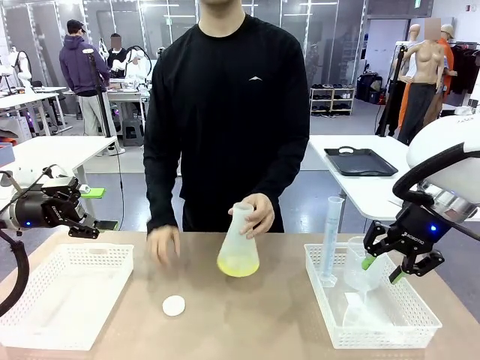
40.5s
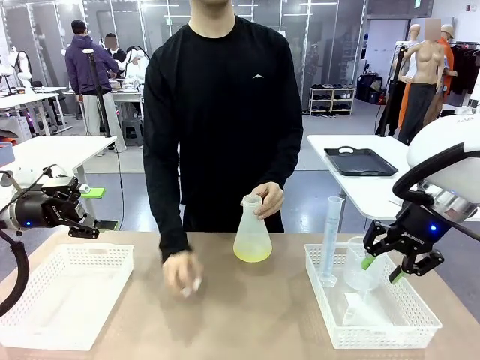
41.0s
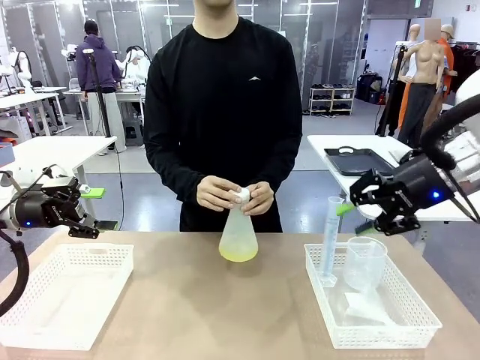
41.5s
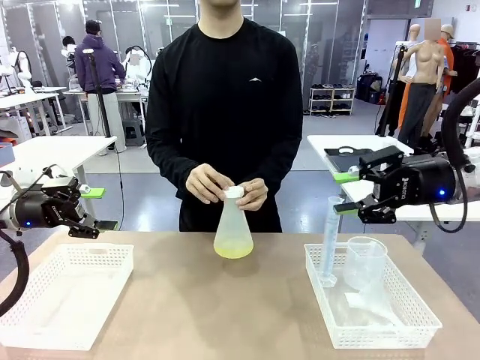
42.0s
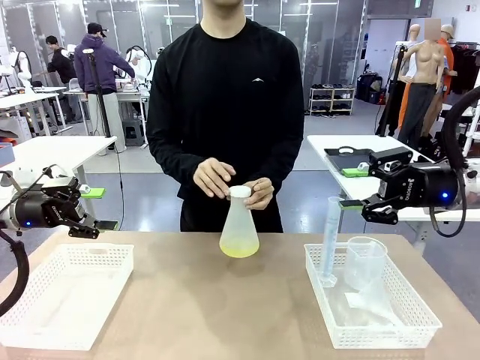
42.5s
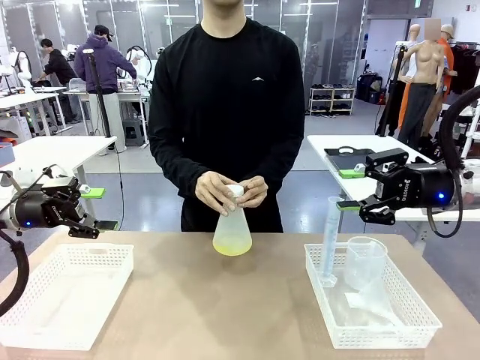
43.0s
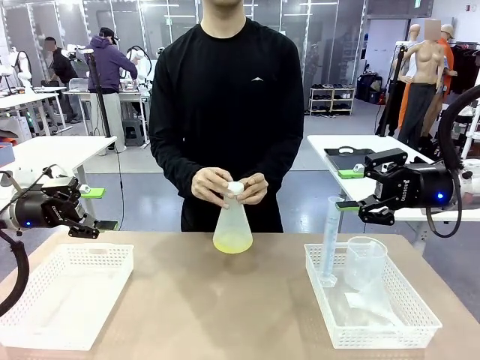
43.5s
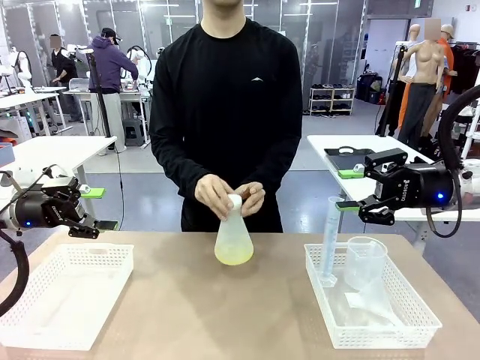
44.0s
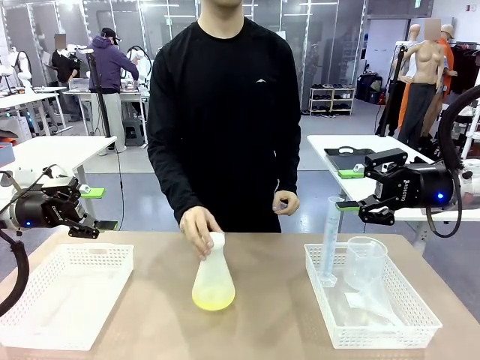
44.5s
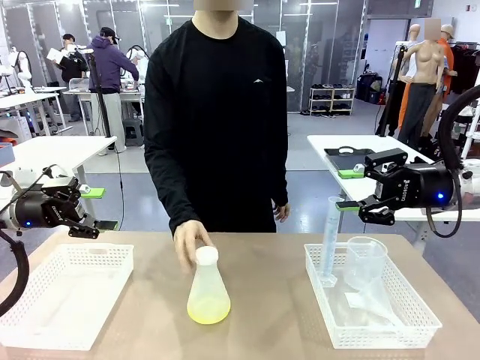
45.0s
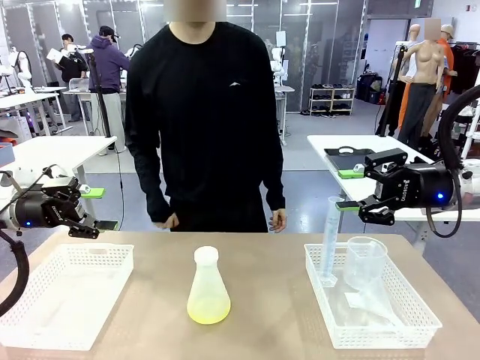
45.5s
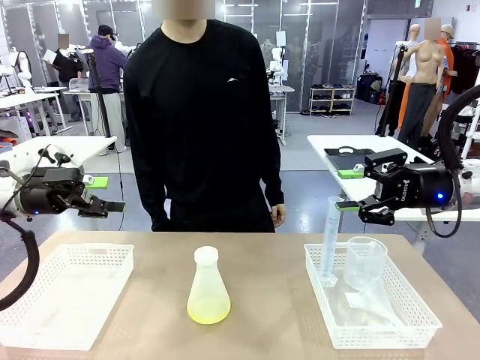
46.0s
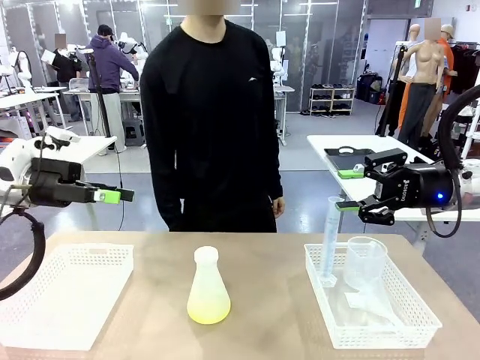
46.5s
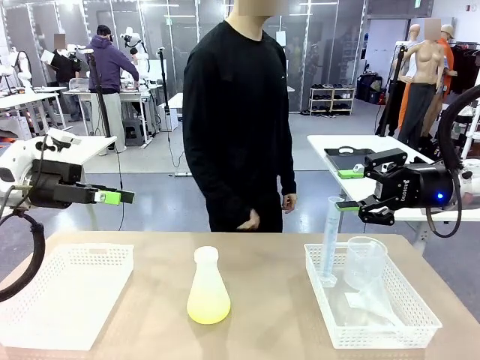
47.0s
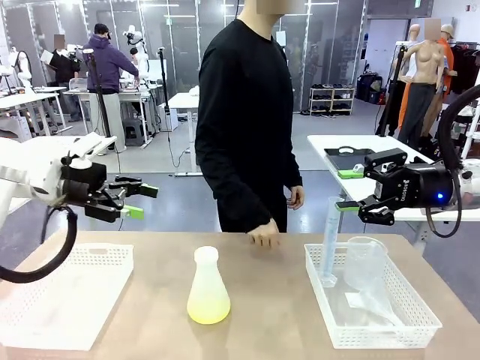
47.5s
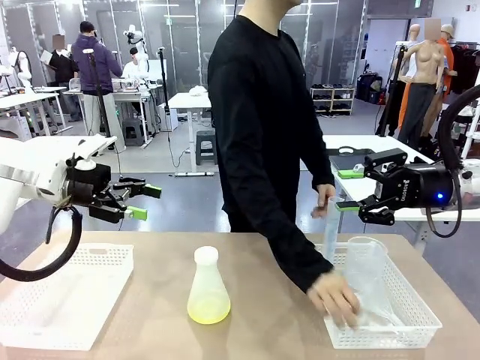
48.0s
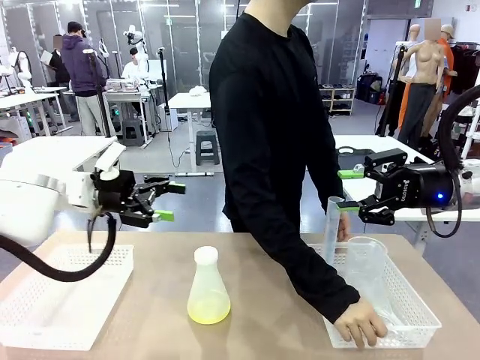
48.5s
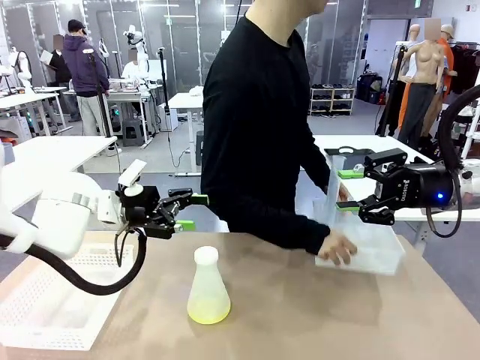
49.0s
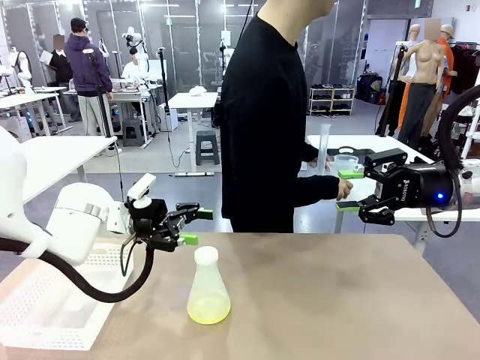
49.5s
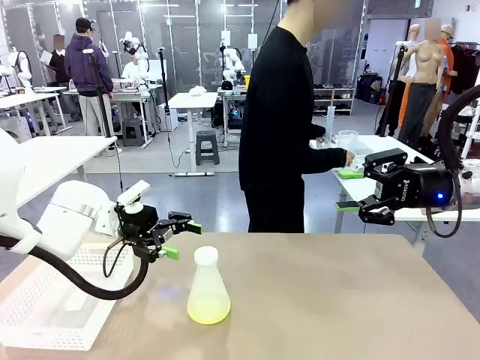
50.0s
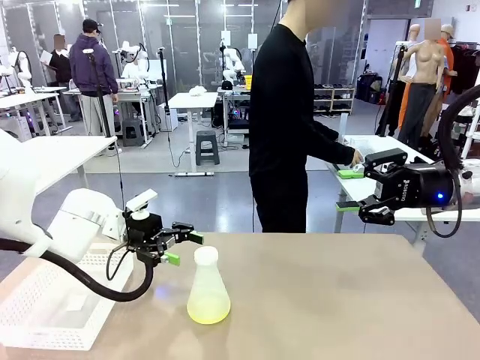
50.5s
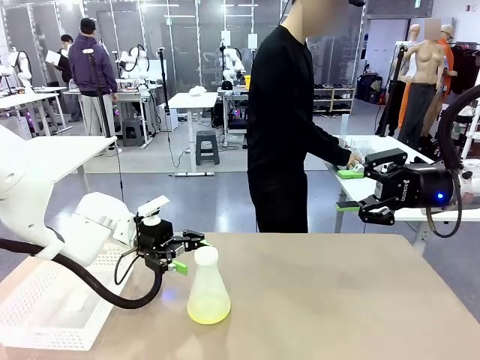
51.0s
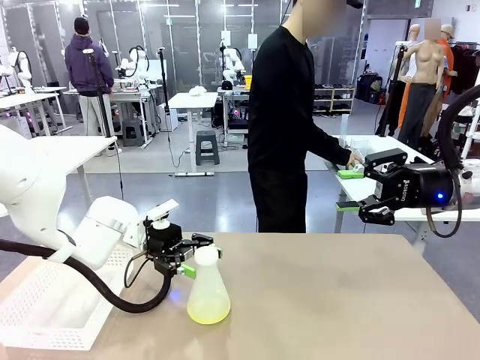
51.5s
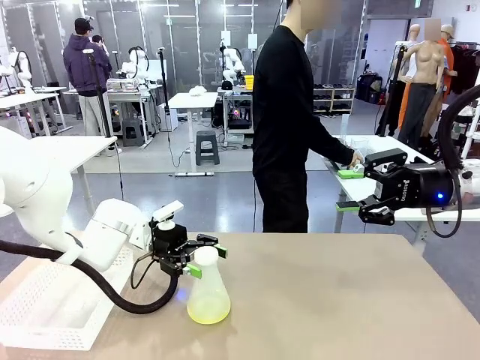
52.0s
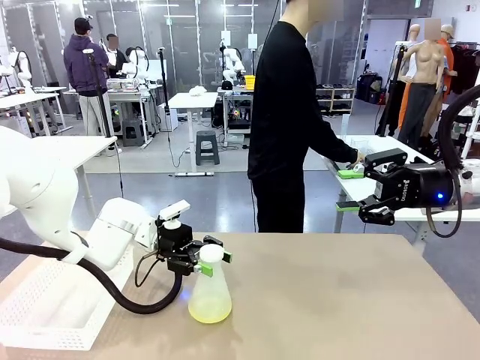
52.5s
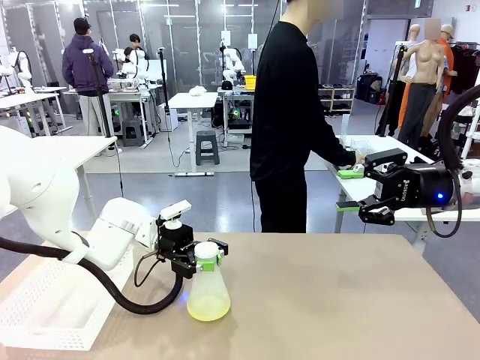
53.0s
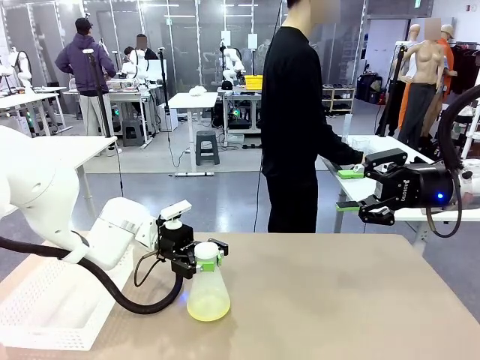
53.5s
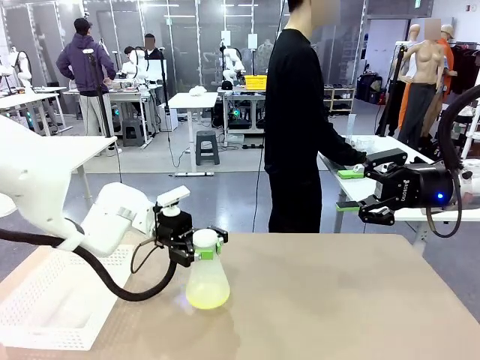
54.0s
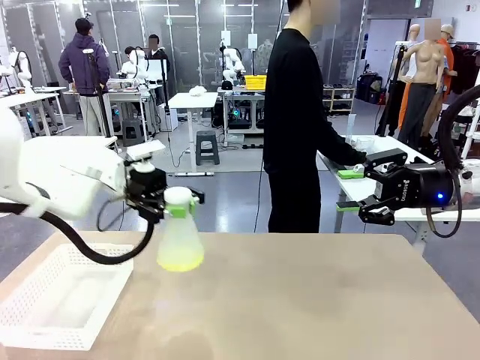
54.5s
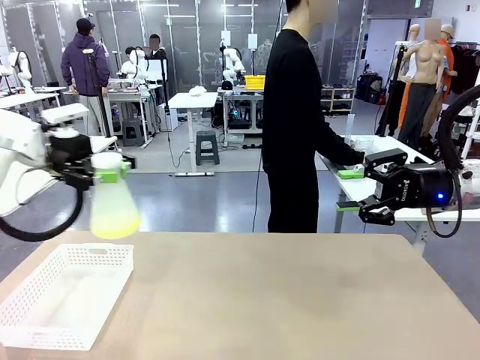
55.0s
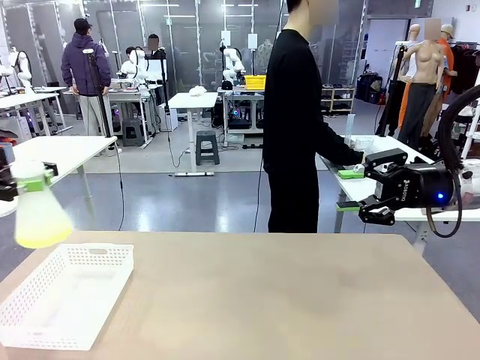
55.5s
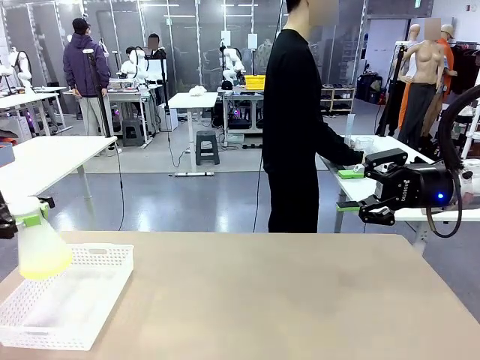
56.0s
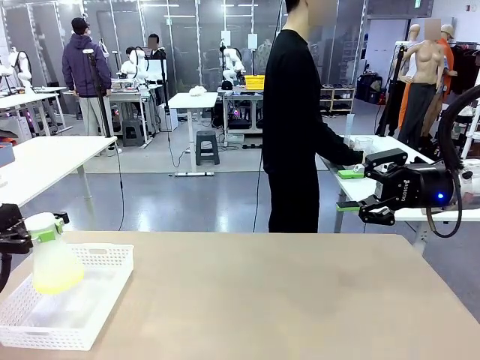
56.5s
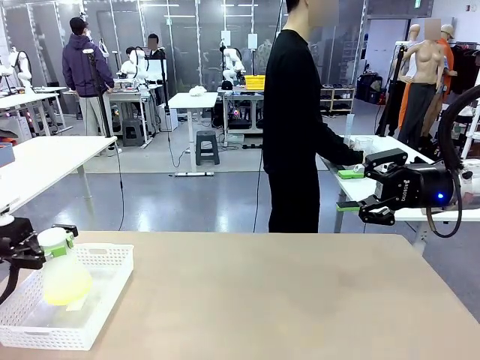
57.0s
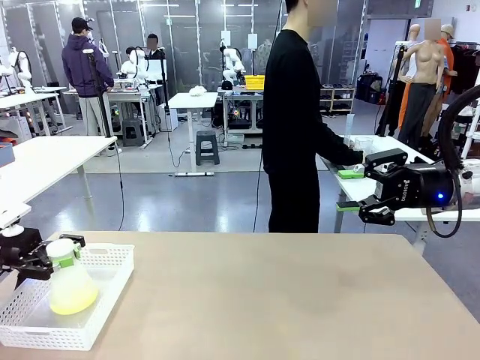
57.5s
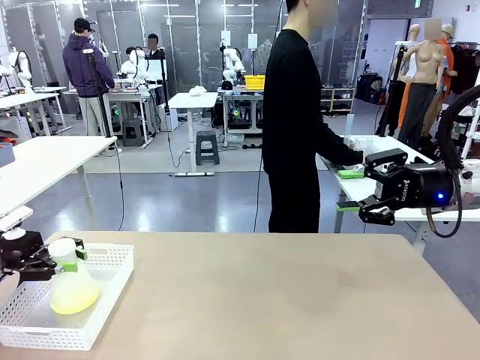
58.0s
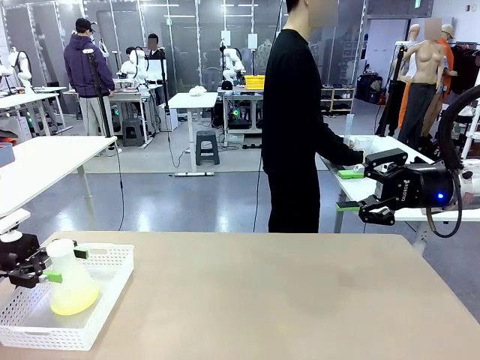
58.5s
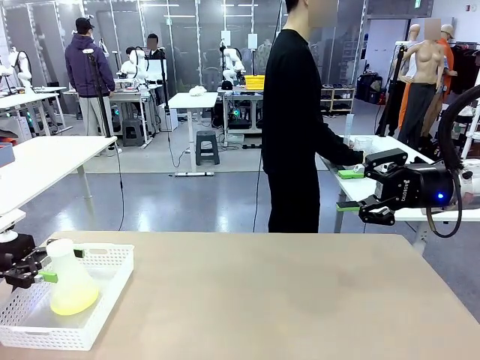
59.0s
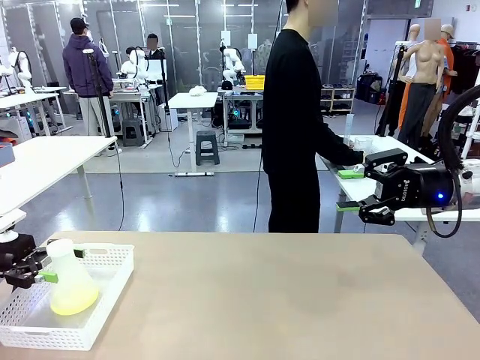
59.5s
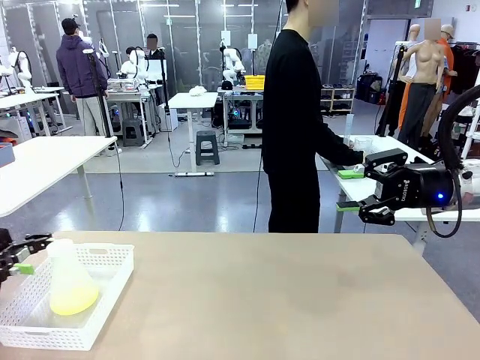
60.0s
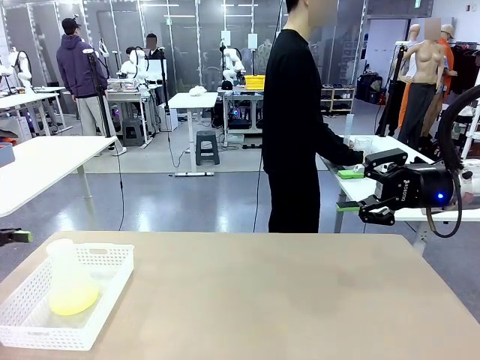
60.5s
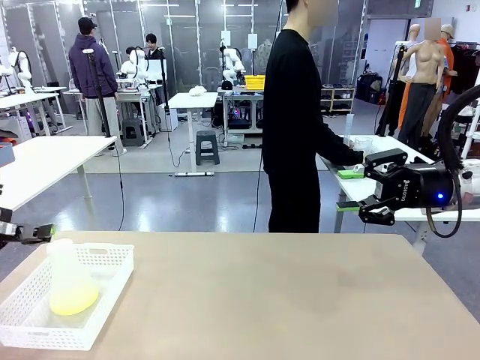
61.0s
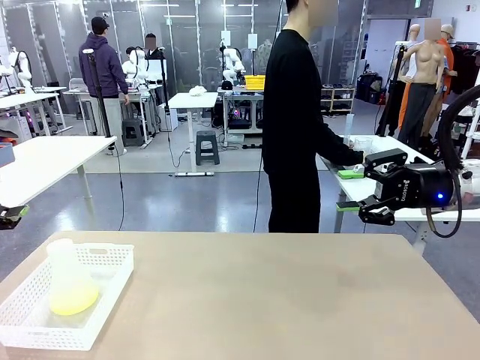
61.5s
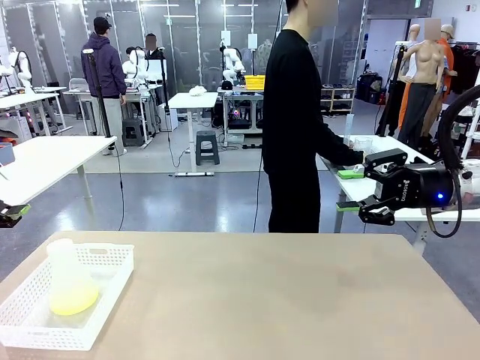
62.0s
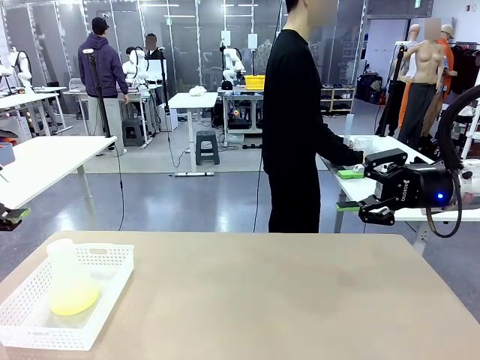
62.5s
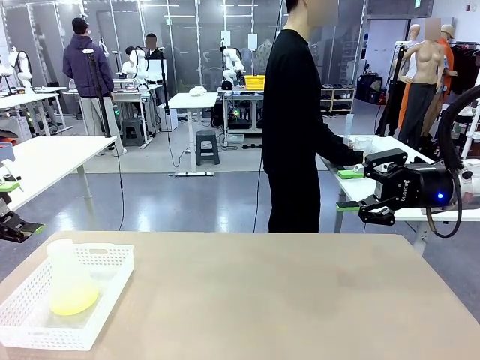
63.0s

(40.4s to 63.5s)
Task: Prepare the solutions needed for the experiment.
Robot: When the human places the Big flask in the center of the table, pick up the Big flask and place it in the left Organizing basket.
Person: Pick up the organizing basket on the left side of the robot table and place it on the left side of the human table.
